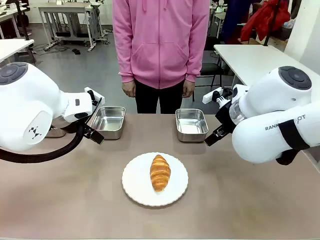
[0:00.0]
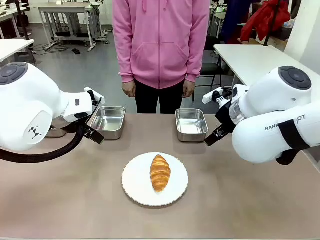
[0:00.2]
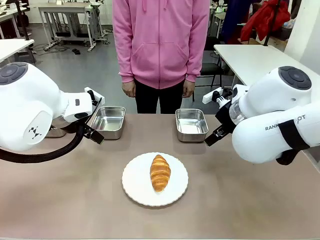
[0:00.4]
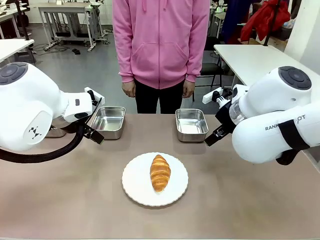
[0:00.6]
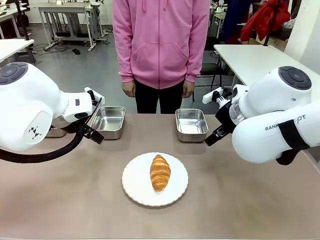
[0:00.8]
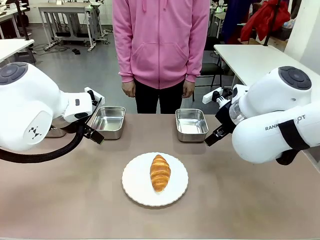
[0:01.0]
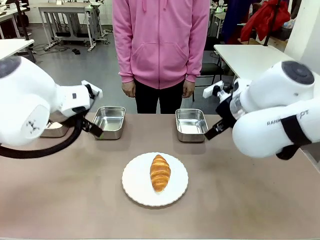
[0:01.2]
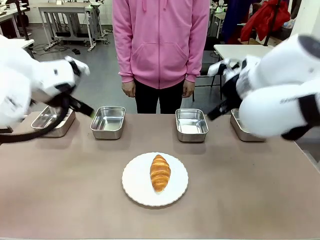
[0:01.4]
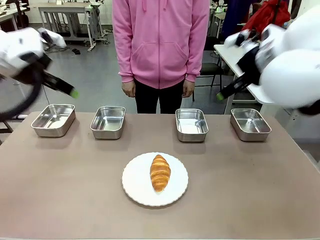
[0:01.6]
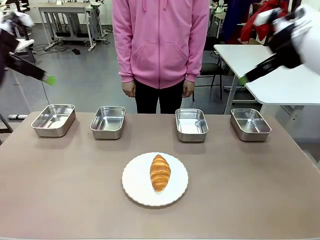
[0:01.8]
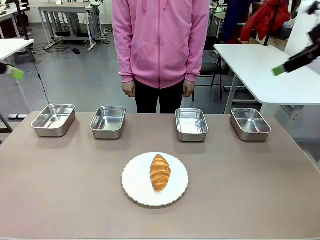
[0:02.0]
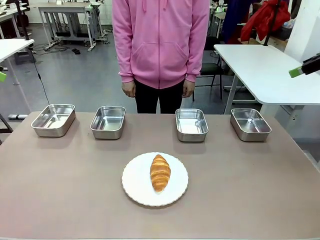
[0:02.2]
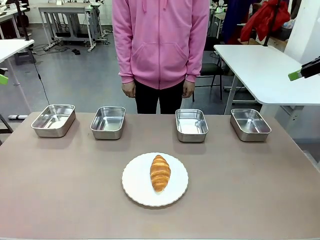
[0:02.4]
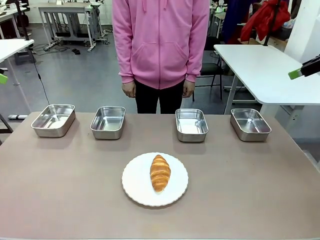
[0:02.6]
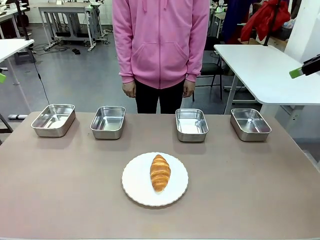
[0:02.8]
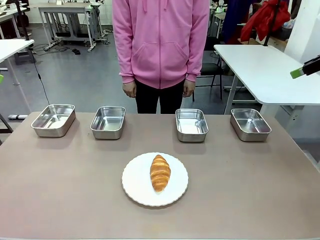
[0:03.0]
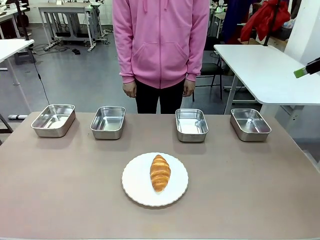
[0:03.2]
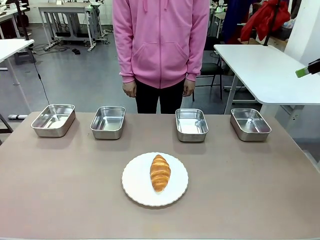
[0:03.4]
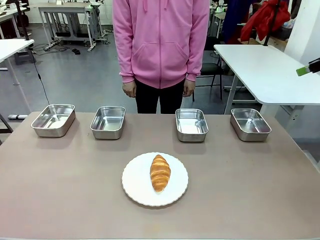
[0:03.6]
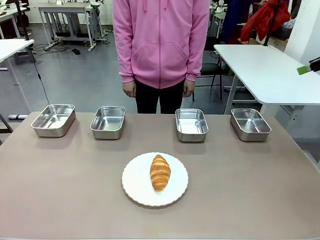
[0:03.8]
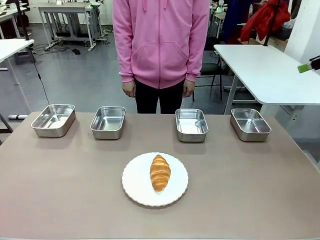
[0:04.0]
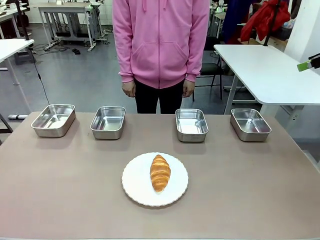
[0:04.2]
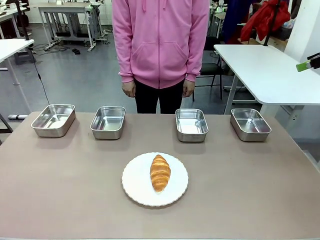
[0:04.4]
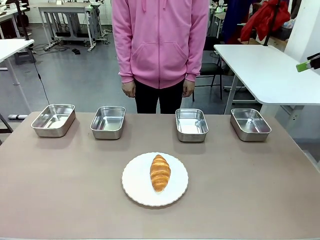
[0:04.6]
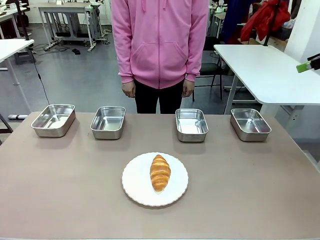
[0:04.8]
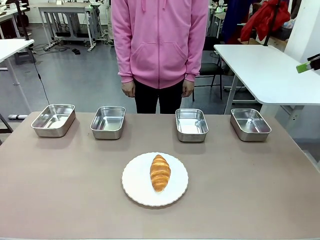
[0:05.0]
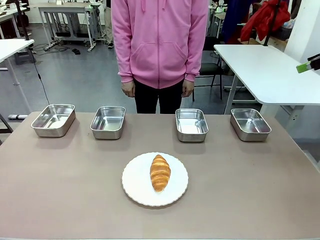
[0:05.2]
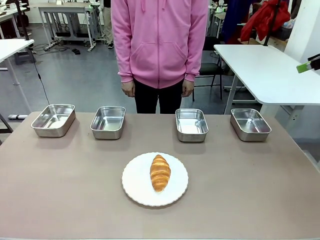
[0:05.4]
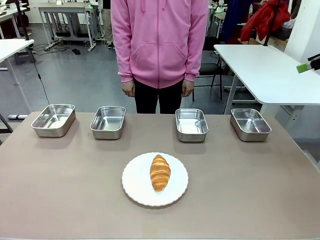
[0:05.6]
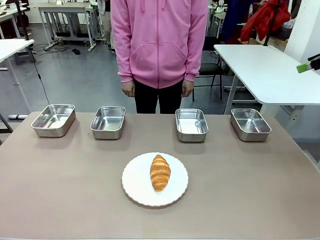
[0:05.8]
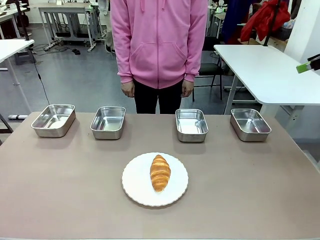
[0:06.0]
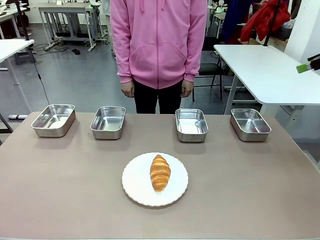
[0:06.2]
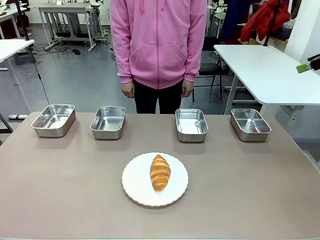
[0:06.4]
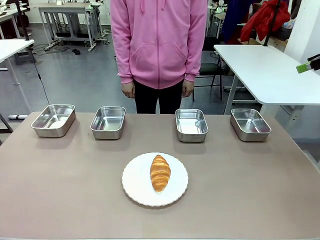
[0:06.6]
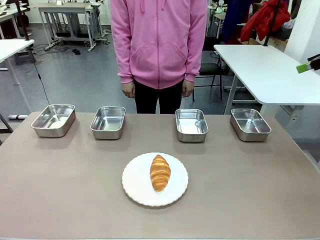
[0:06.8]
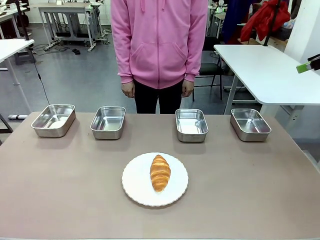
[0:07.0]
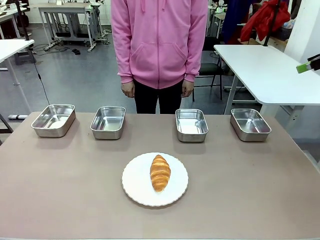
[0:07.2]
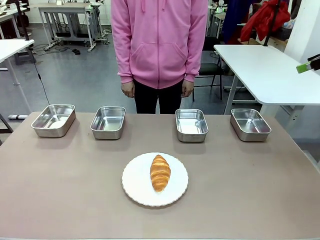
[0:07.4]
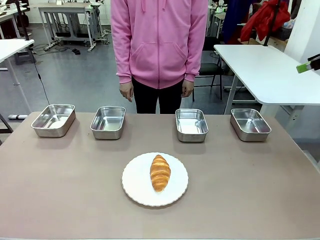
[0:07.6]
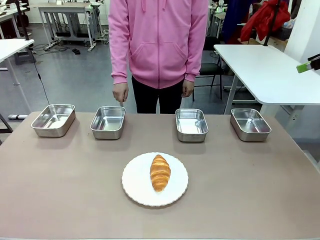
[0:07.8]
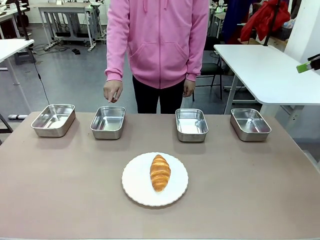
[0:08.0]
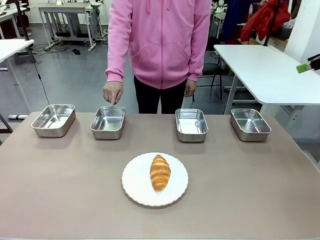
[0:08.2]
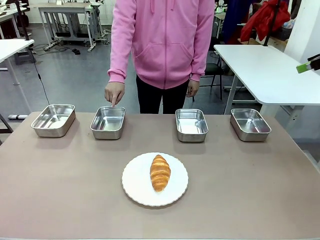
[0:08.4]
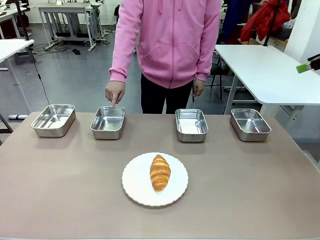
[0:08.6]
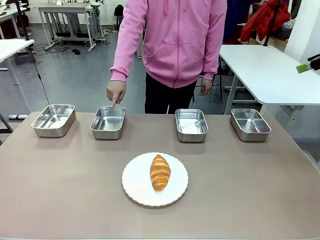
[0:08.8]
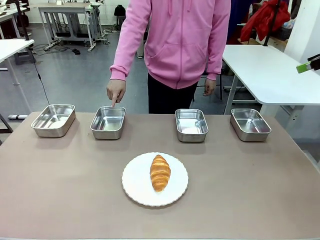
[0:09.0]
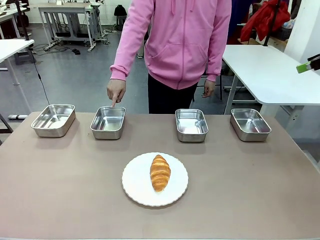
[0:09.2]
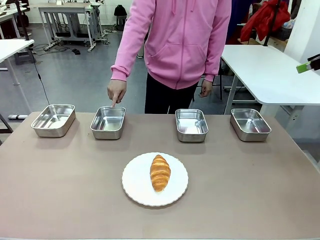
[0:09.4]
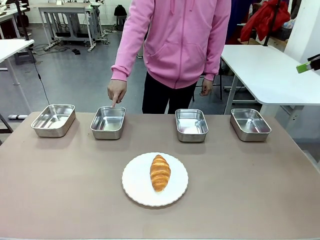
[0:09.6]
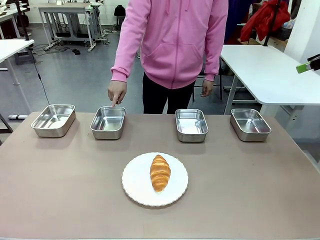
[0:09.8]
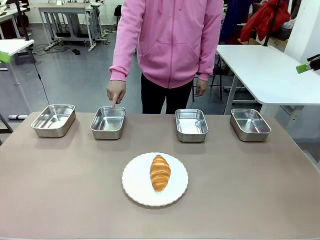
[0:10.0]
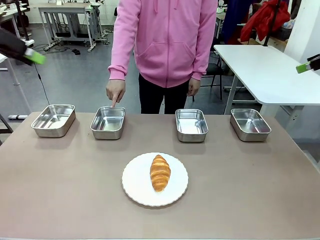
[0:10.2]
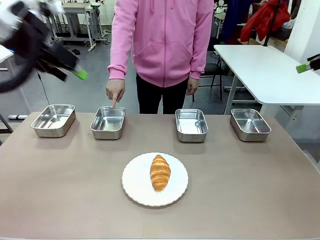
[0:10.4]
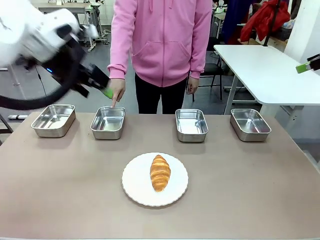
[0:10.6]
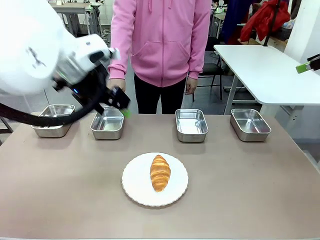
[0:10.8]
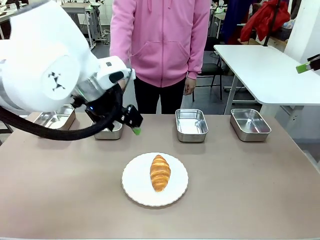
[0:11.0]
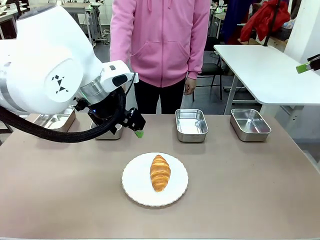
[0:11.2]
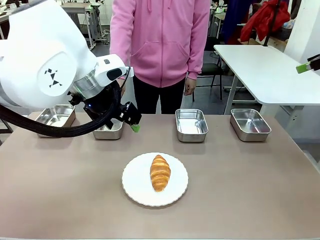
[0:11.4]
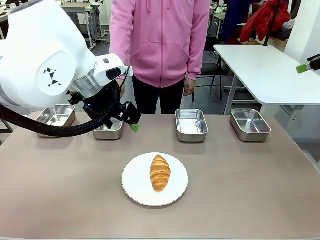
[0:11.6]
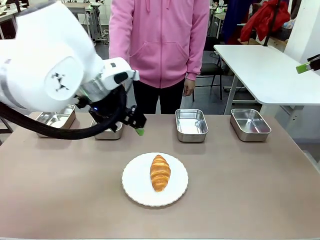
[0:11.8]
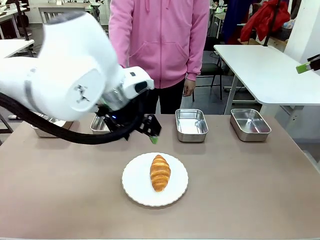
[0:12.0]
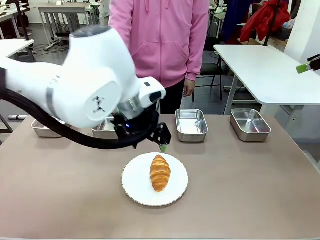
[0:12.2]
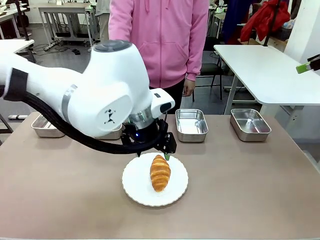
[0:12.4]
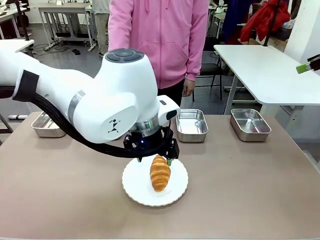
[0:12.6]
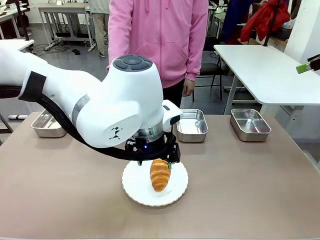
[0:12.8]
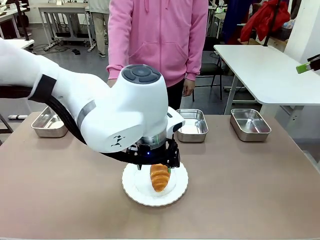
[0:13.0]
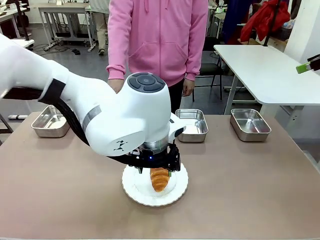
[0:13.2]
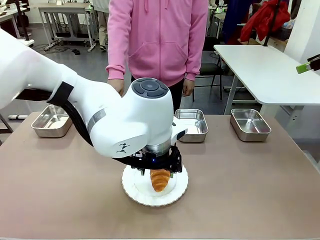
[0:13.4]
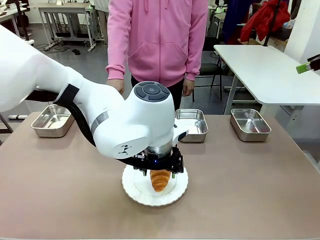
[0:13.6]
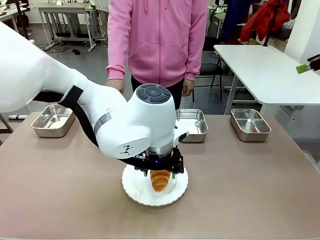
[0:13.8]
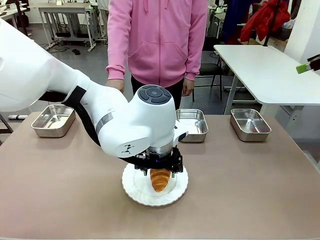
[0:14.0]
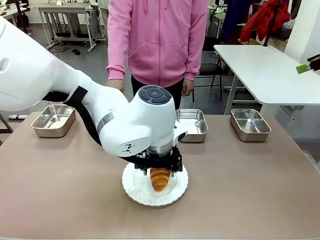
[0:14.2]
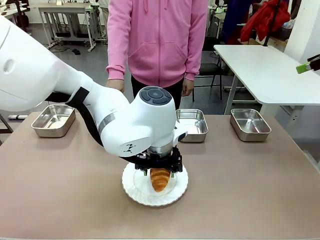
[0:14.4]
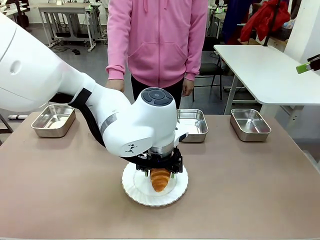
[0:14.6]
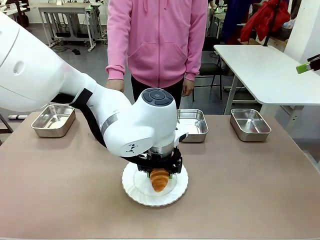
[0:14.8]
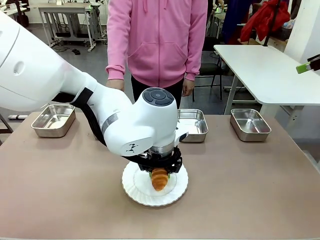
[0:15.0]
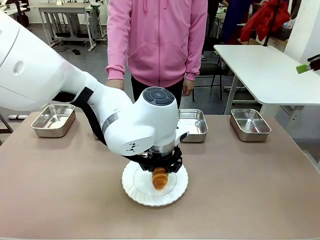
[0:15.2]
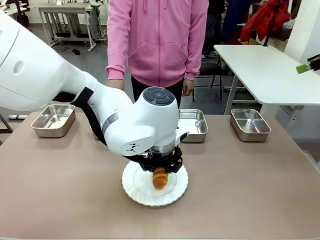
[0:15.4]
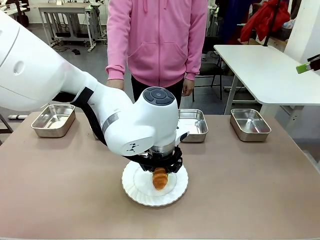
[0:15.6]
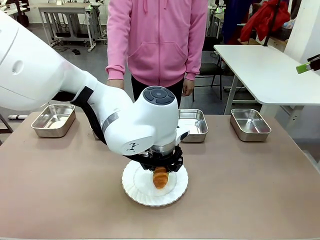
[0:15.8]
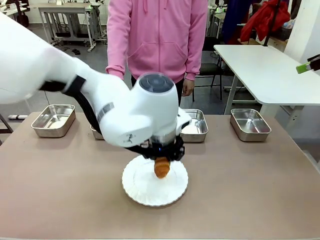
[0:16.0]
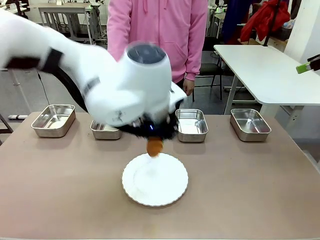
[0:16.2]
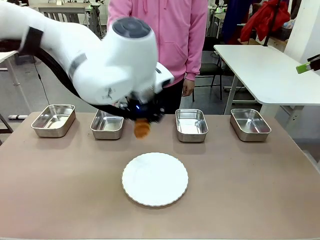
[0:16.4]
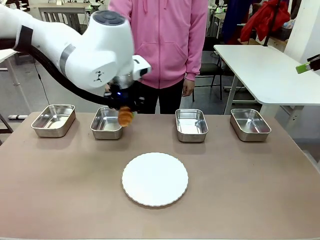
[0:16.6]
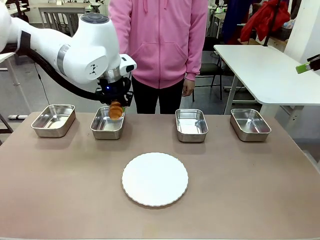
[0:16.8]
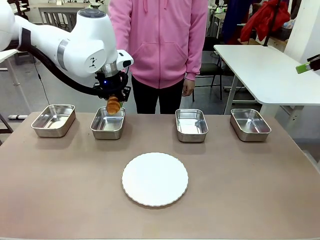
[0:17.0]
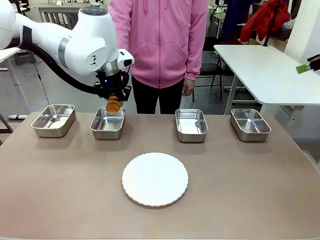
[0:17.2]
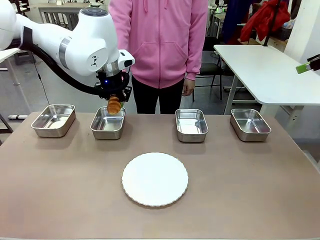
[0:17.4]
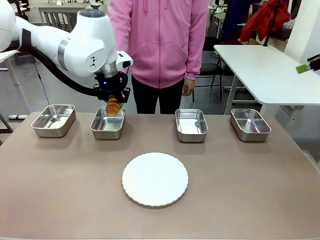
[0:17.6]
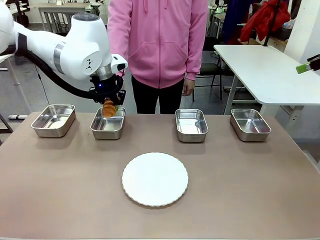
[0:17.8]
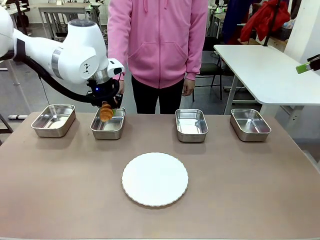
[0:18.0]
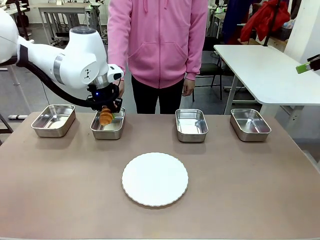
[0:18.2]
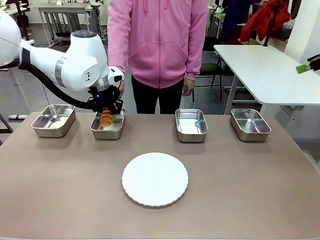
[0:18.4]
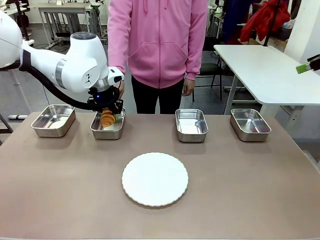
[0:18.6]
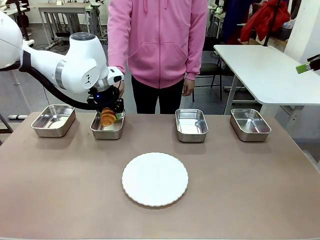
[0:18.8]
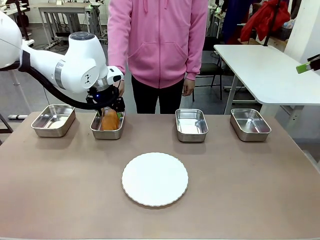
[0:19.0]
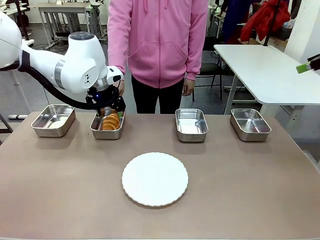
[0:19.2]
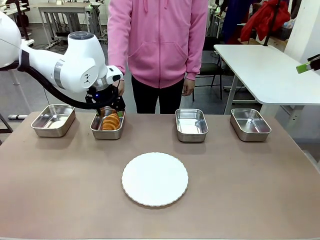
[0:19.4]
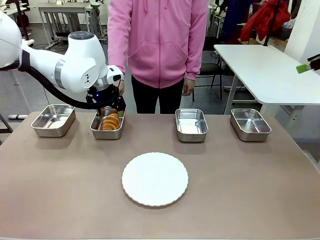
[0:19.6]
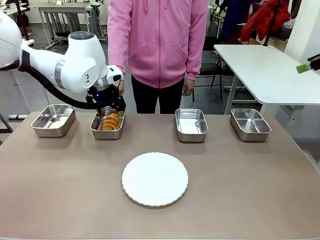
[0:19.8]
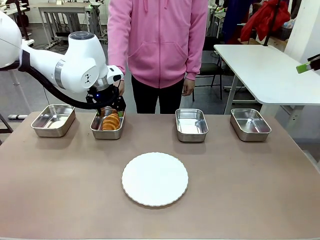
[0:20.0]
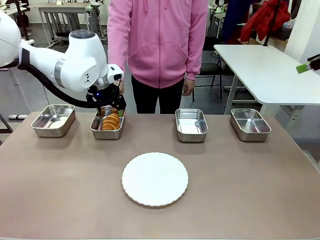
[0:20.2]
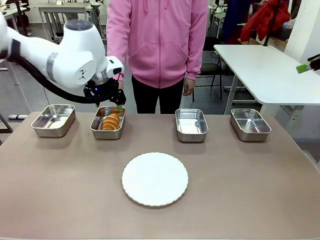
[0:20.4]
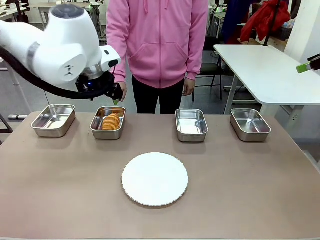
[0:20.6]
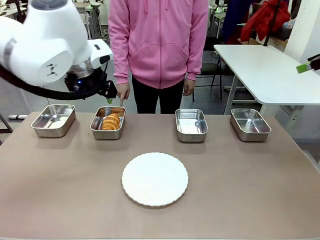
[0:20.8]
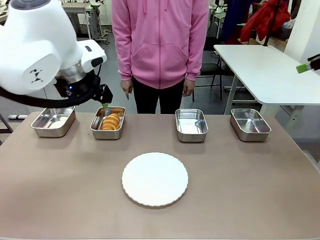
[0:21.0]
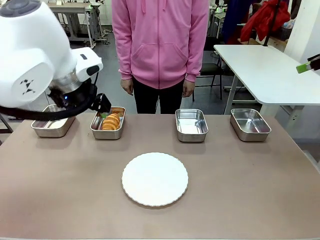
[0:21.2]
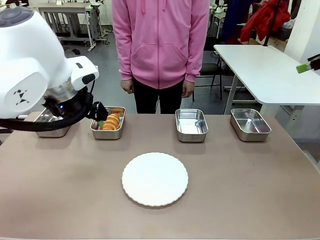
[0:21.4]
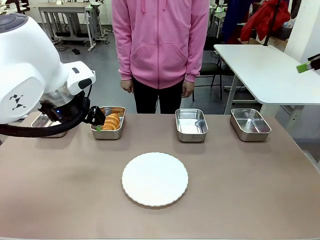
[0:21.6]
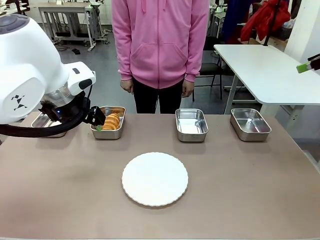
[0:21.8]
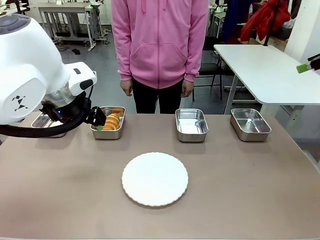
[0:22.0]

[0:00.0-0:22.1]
Task: Place the bread in the container.
Robot: Place the Butter Roll into the Airtight Container indicated by the human.
Person: A person randomly selects and points to an Airtight Container.
